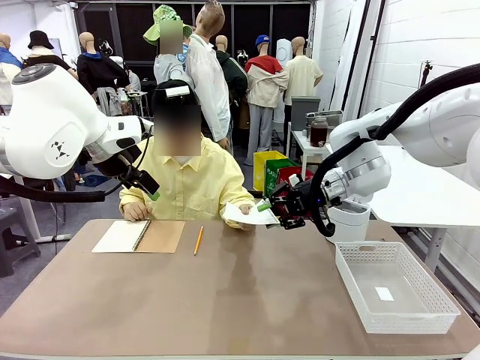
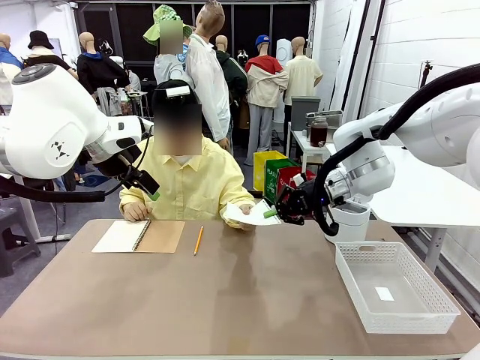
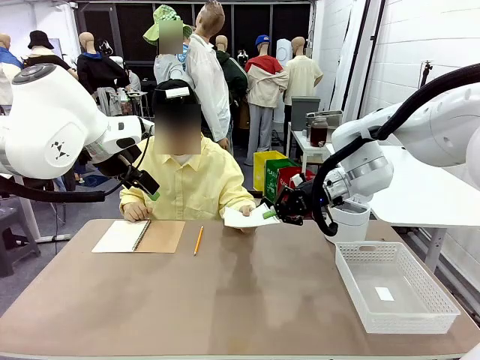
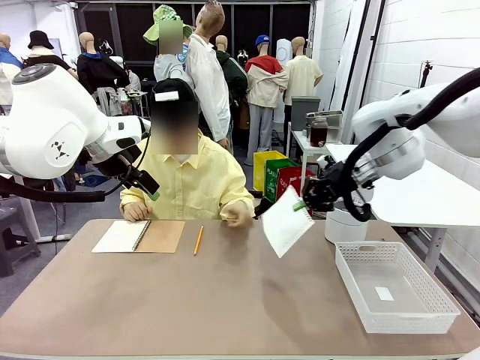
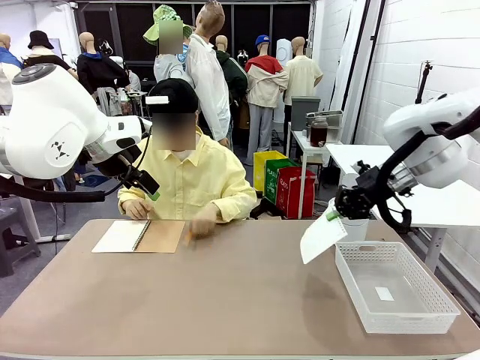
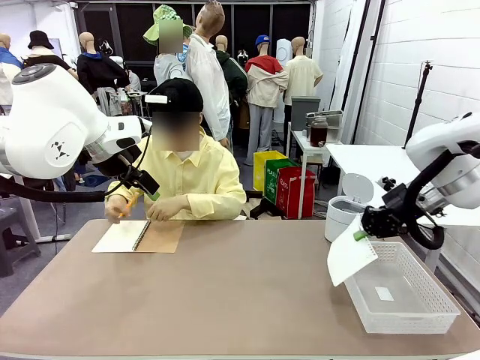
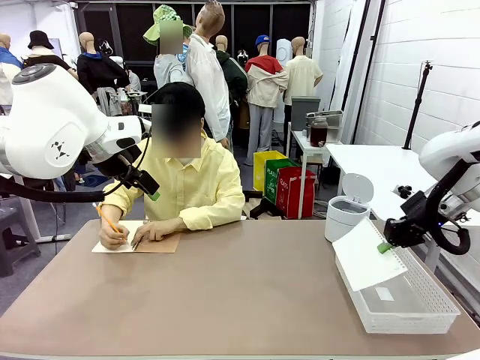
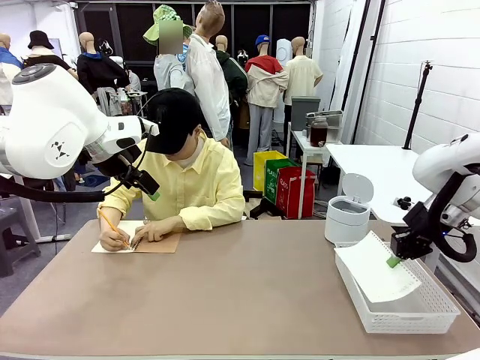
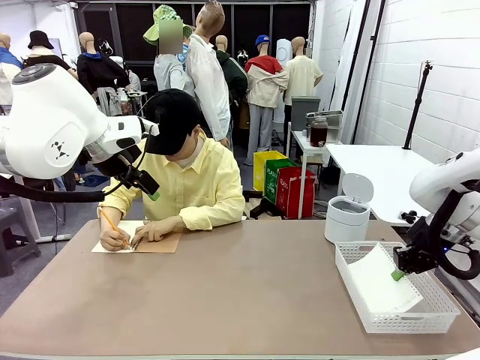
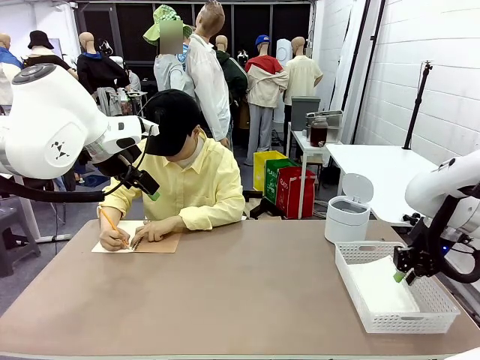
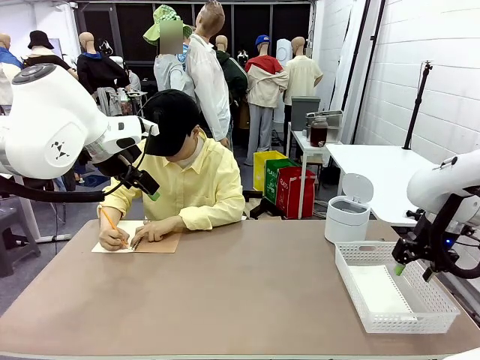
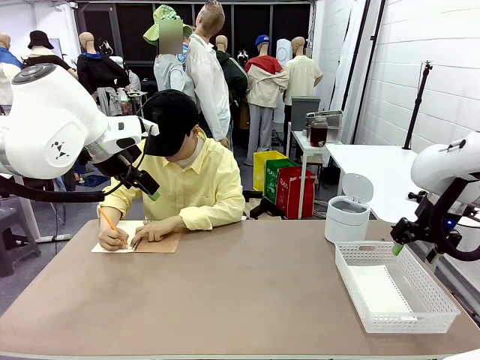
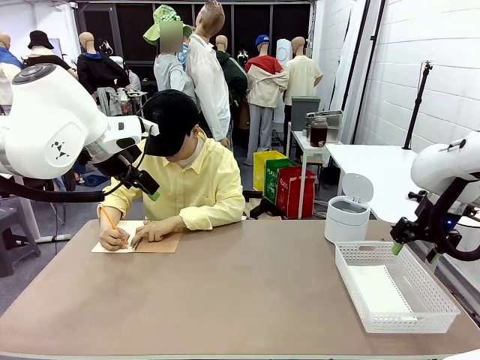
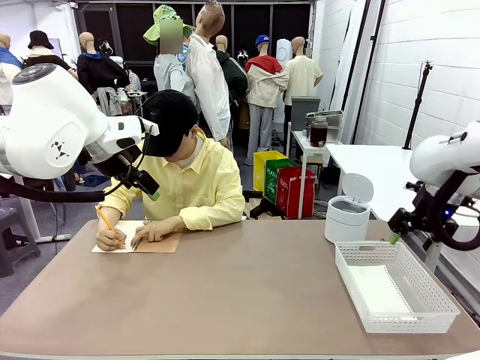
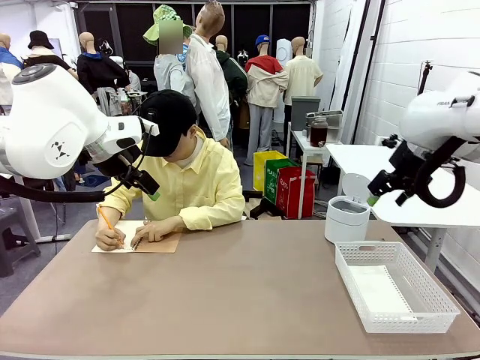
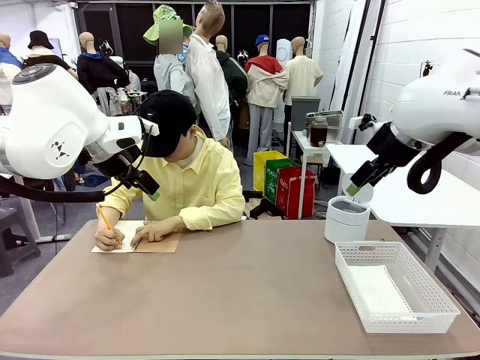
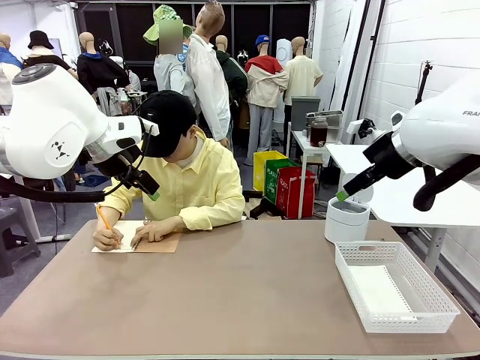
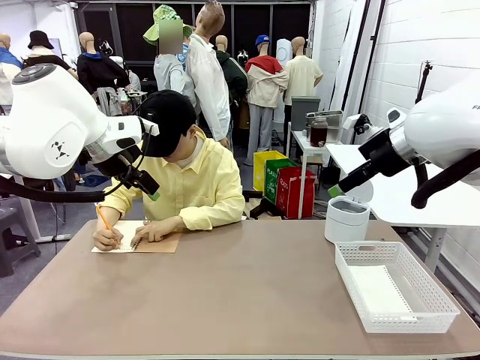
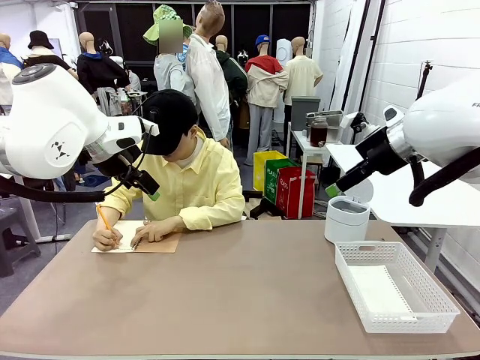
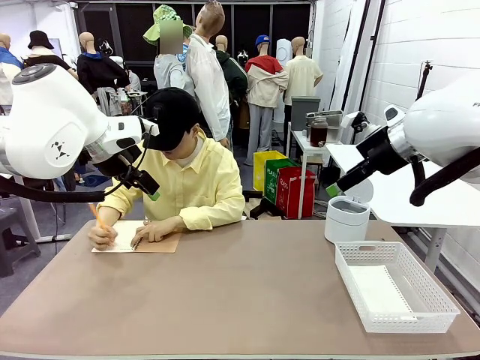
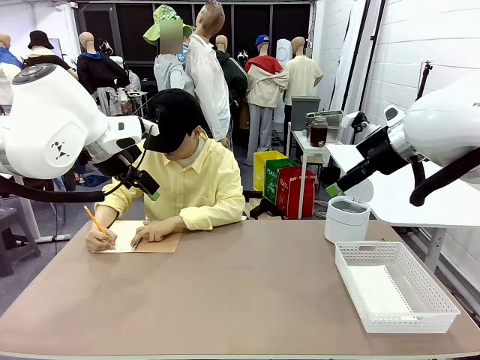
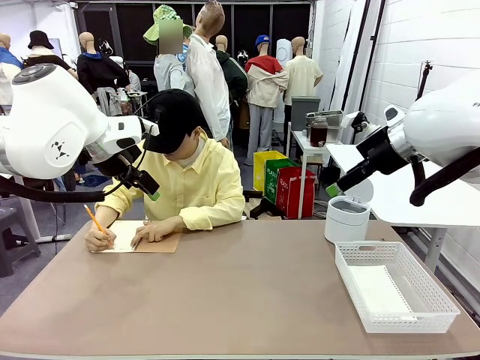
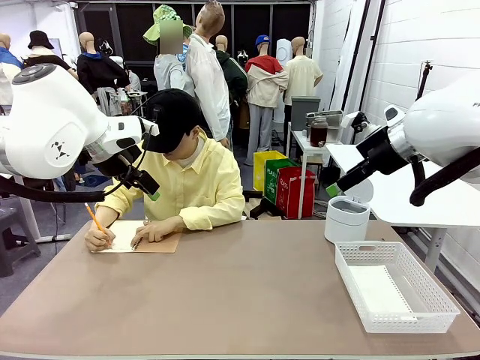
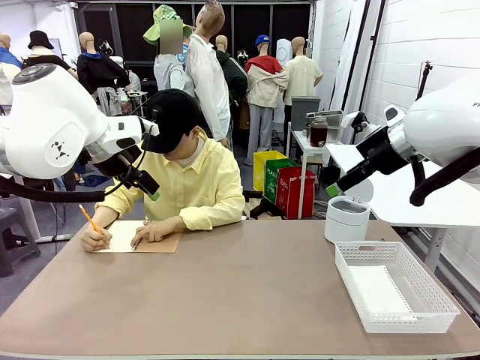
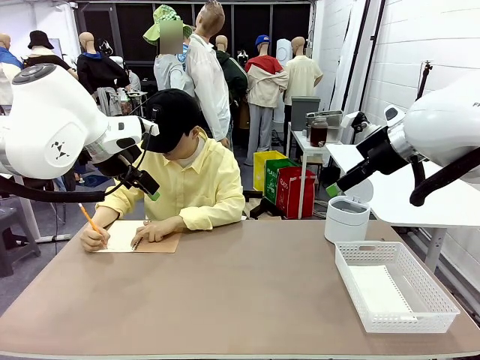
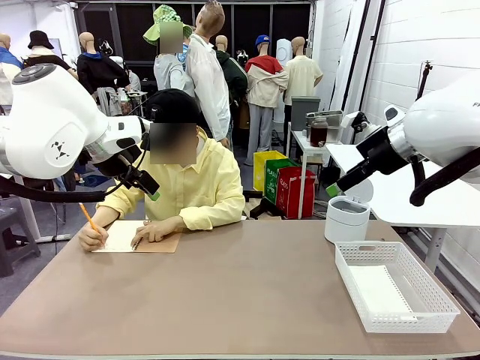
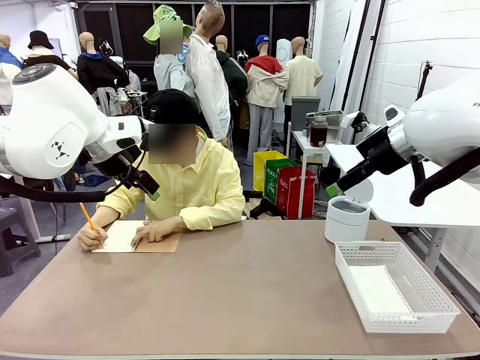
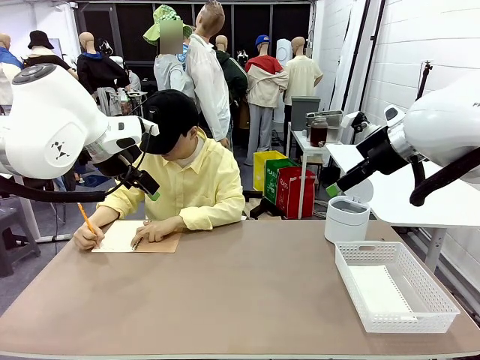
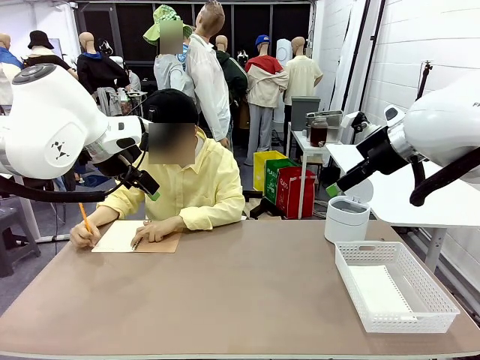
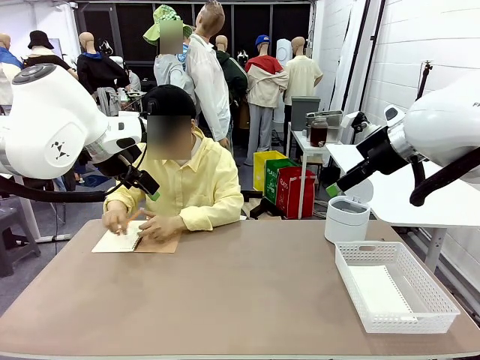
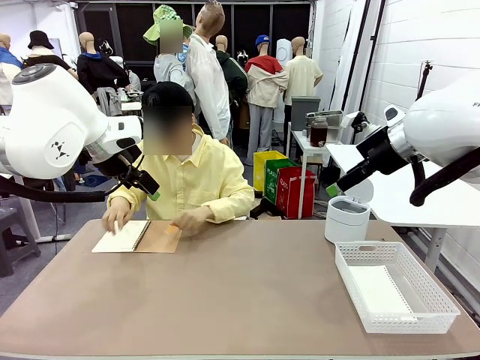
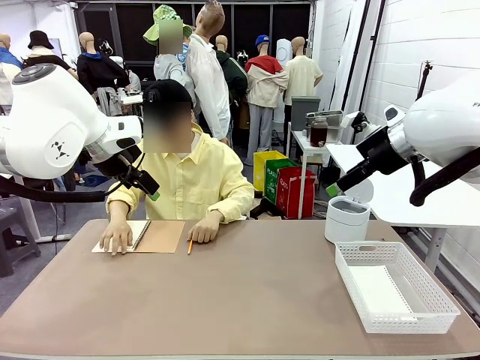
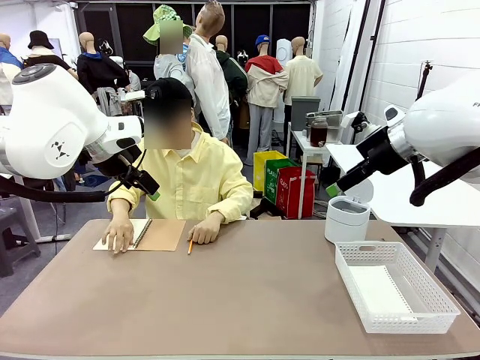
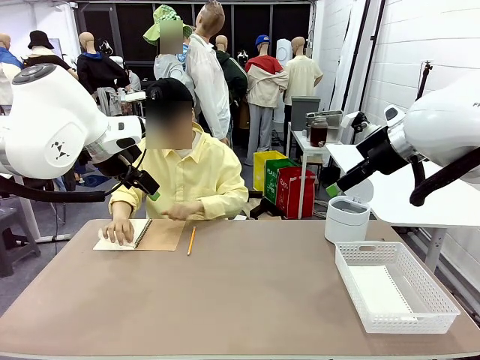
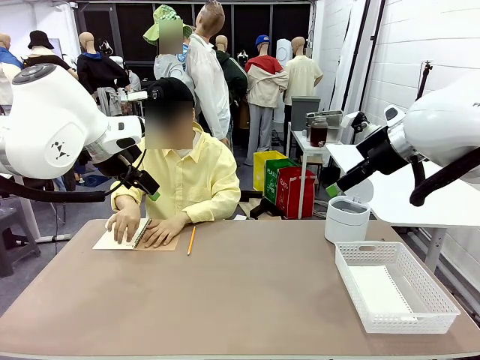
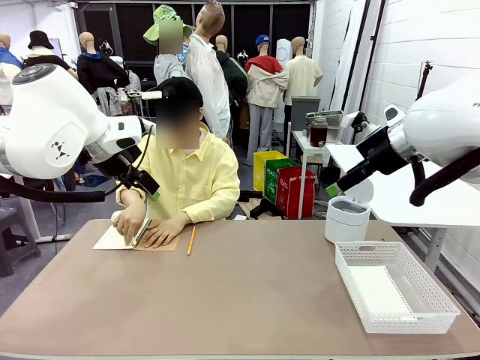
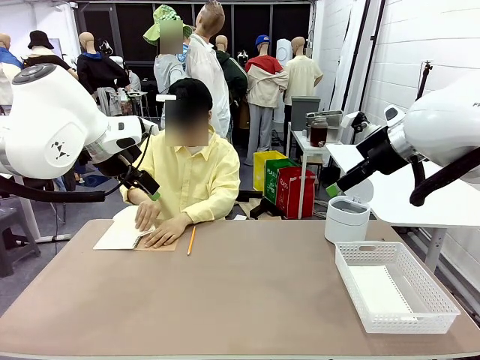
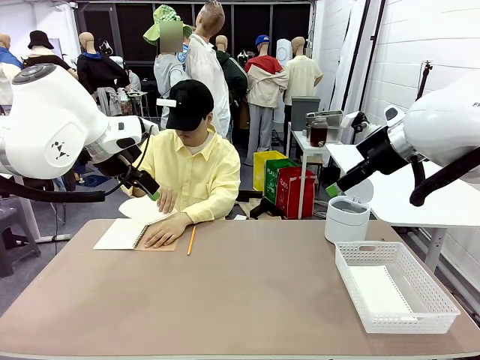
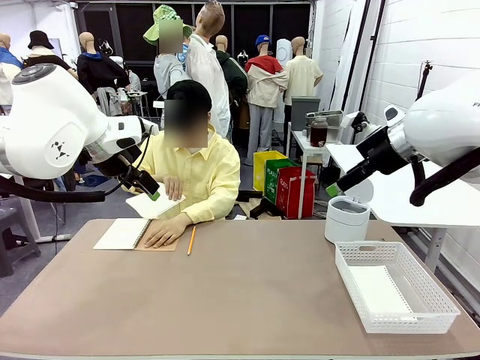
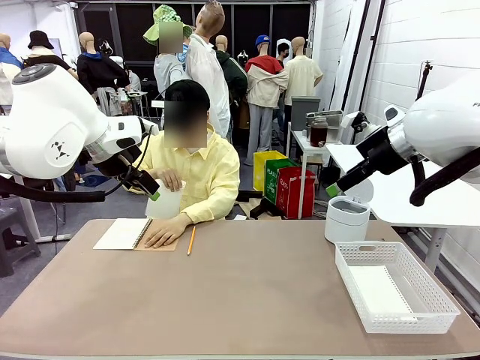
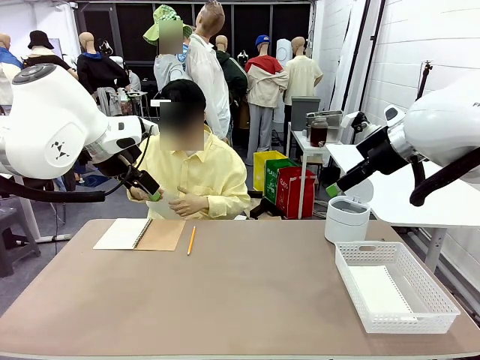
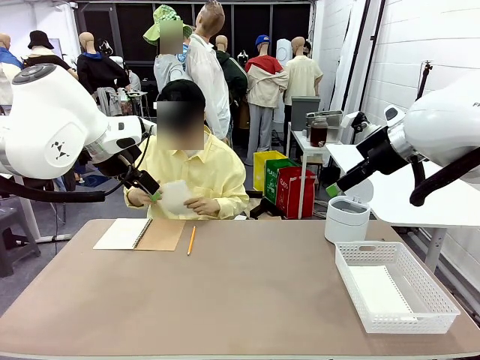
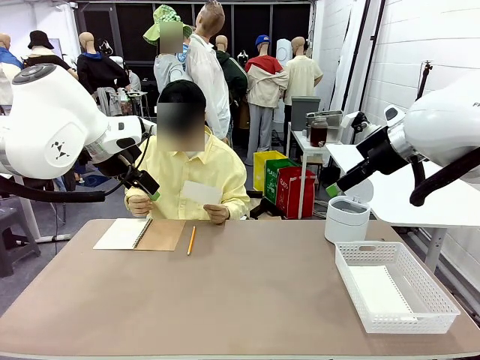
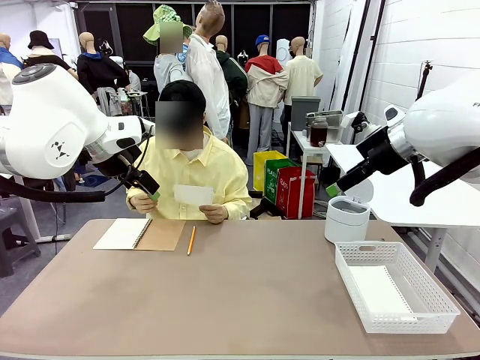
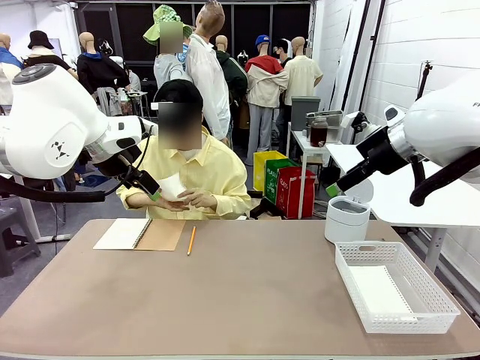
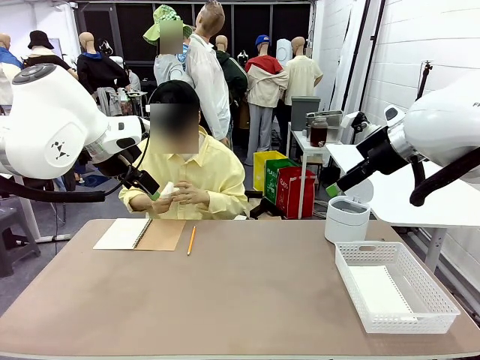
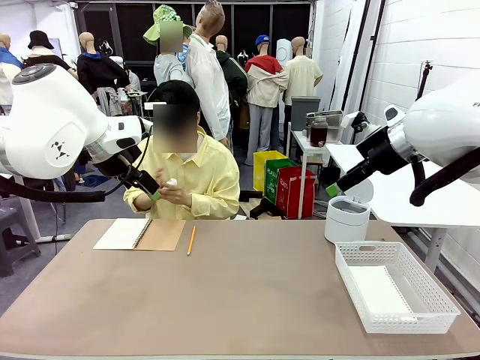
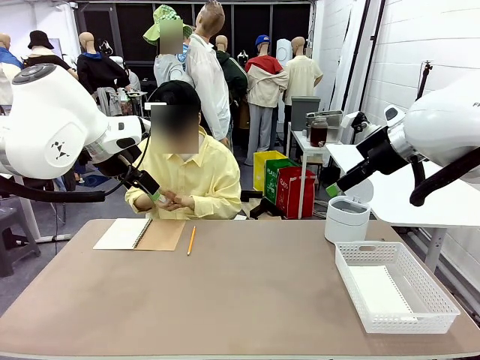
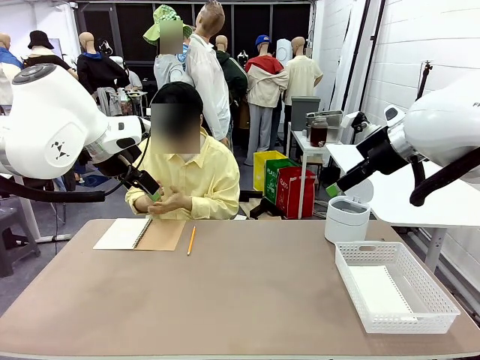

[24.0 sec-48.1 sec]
Task: Sort the paper based on its condition.
Robot: If a person hands you a paper, place it in the Organizing basket , and if it's crumpled, put it in the Trash can.
Person: Tear out a page from the spiral notebook.

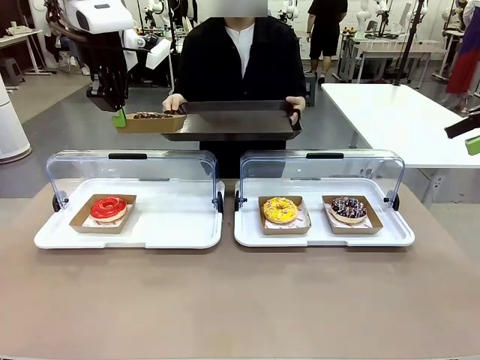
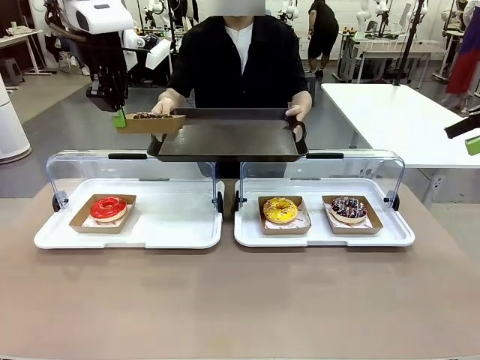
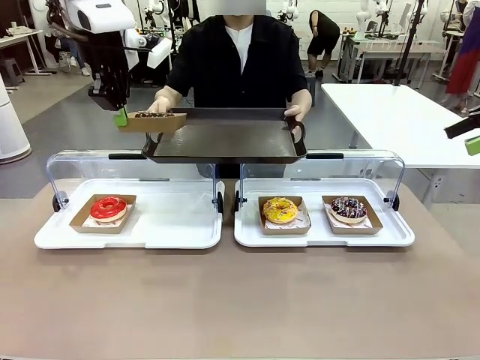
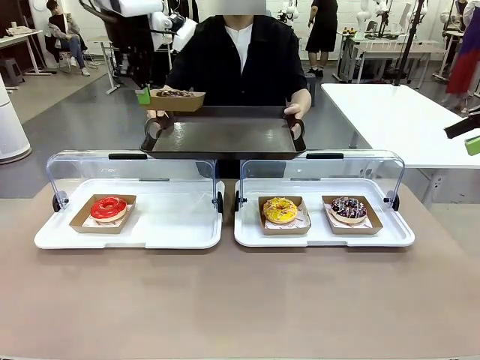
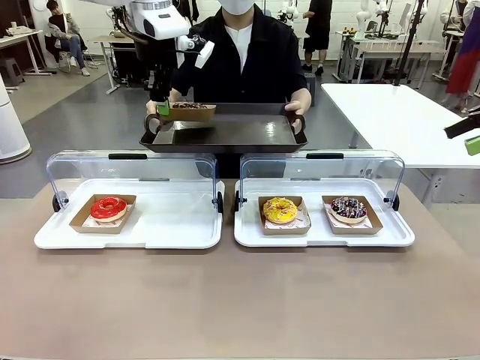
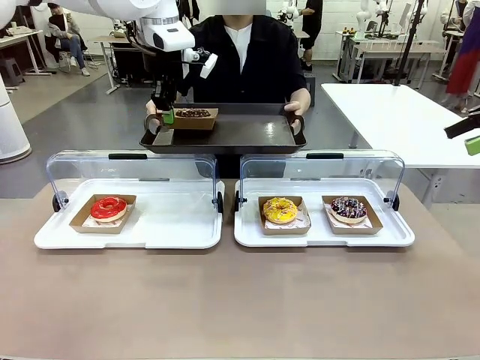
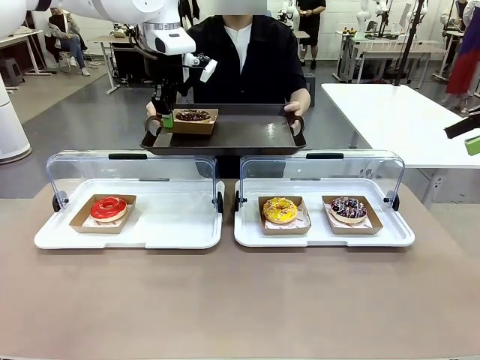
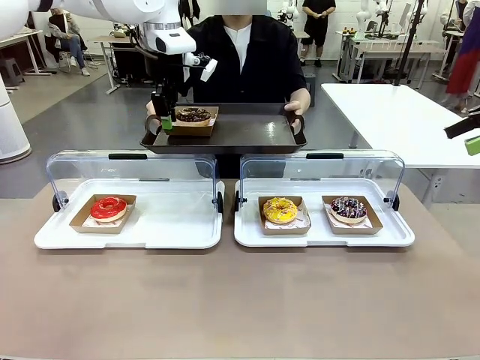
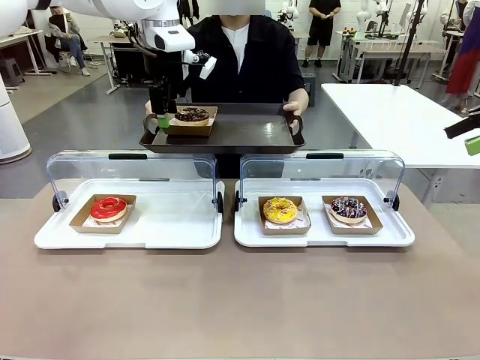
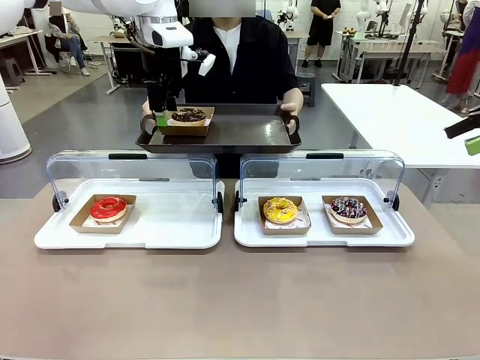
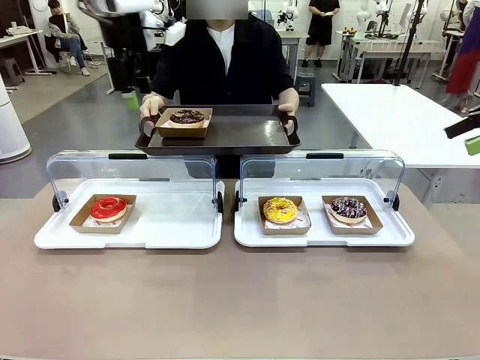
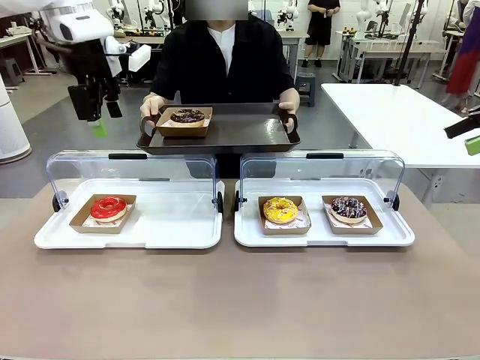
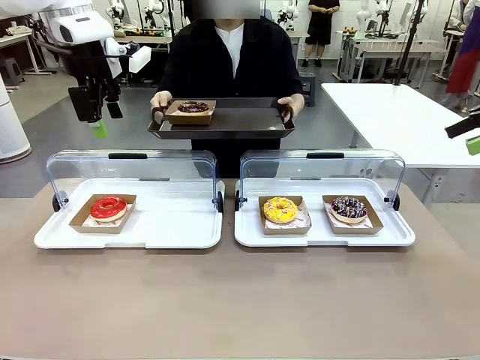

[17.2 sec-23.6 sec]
Task: Provide the desired donut to the person.
Robot: Place the picked Paper togo box onto the Handle tray extended by the person.
